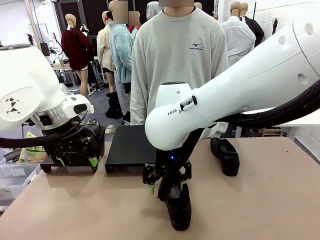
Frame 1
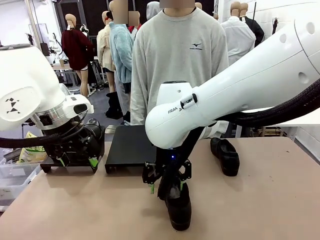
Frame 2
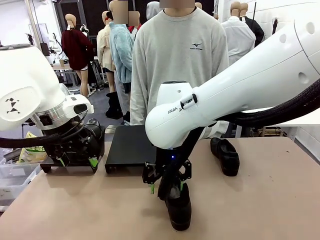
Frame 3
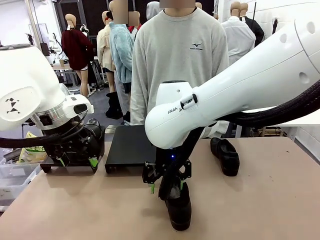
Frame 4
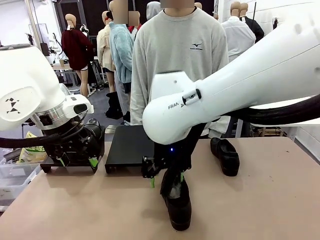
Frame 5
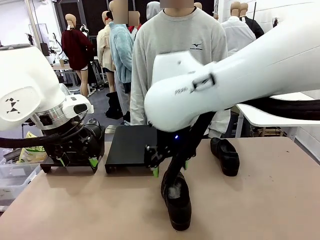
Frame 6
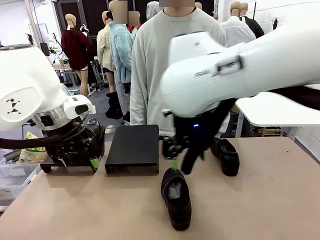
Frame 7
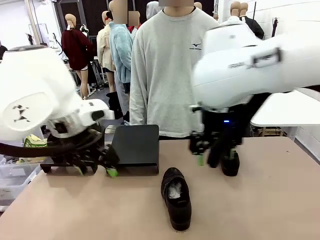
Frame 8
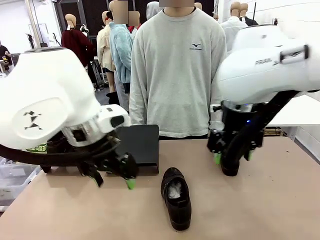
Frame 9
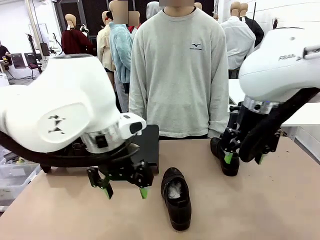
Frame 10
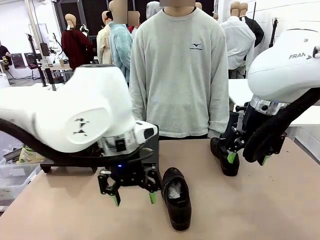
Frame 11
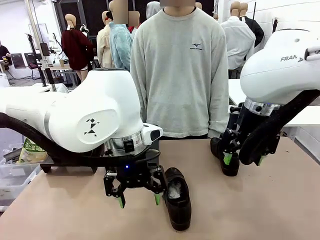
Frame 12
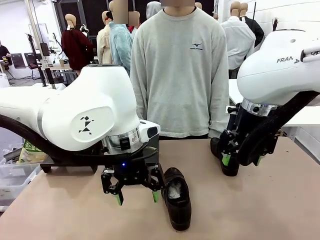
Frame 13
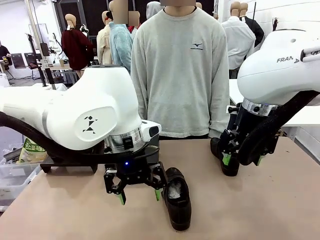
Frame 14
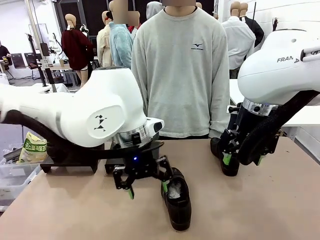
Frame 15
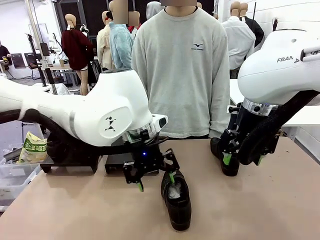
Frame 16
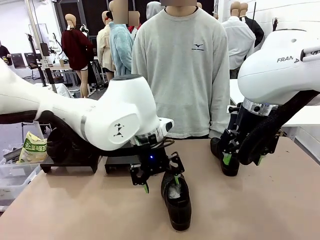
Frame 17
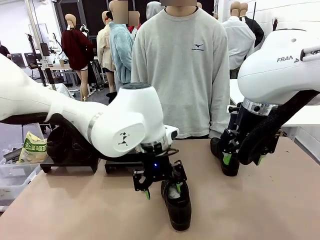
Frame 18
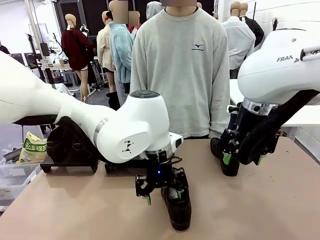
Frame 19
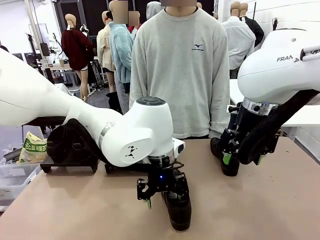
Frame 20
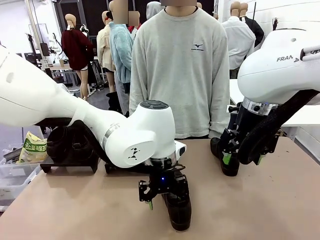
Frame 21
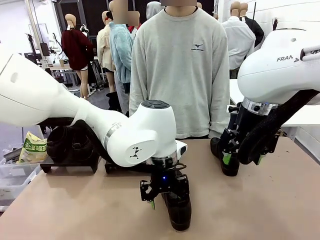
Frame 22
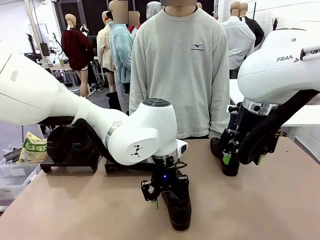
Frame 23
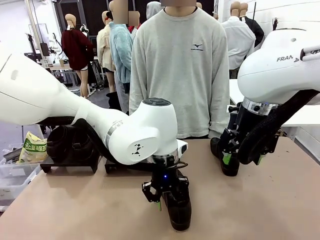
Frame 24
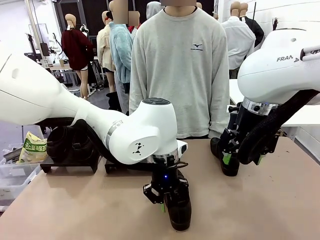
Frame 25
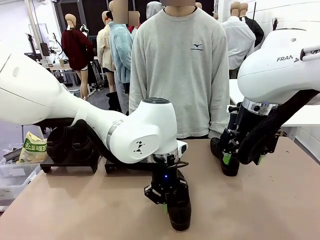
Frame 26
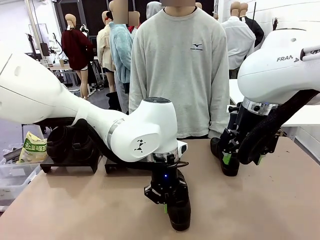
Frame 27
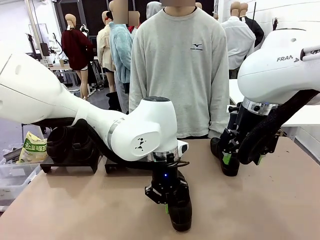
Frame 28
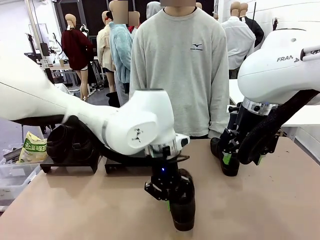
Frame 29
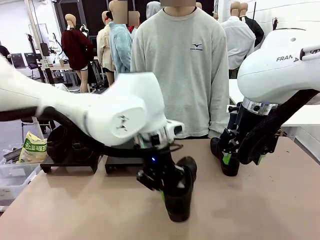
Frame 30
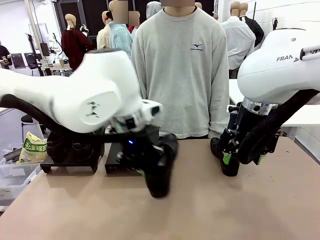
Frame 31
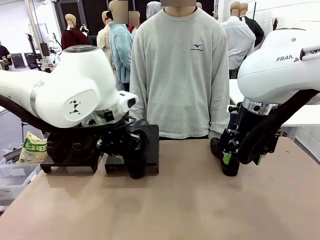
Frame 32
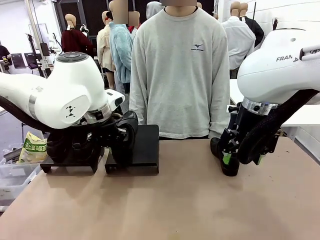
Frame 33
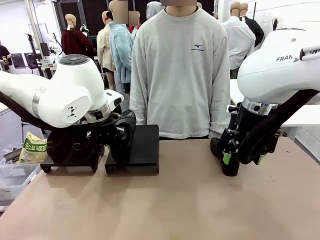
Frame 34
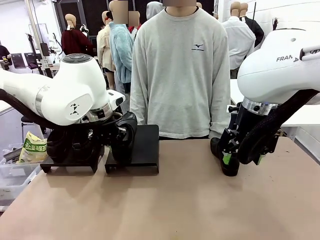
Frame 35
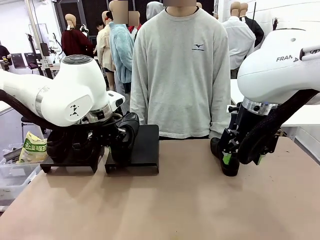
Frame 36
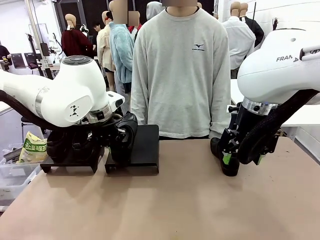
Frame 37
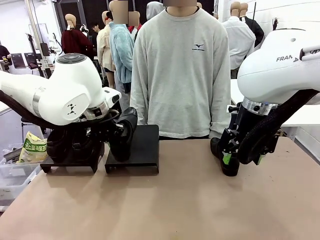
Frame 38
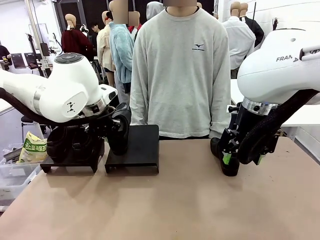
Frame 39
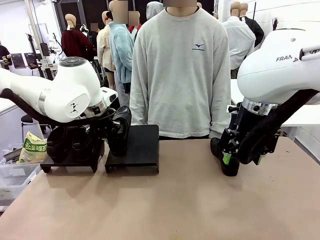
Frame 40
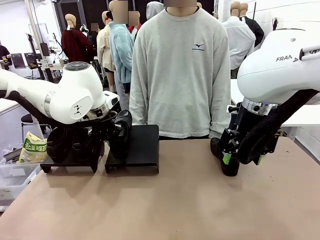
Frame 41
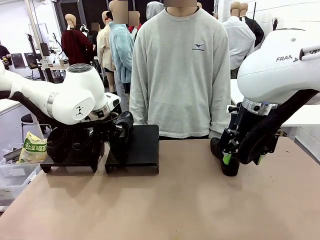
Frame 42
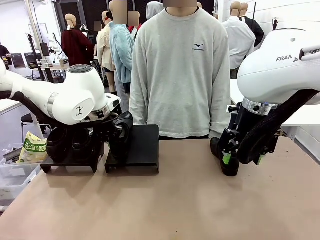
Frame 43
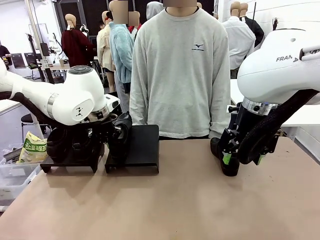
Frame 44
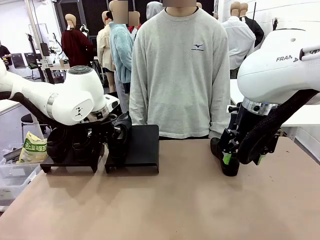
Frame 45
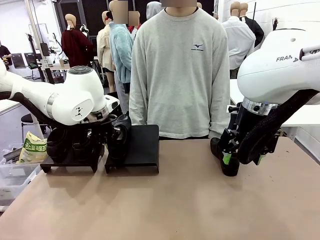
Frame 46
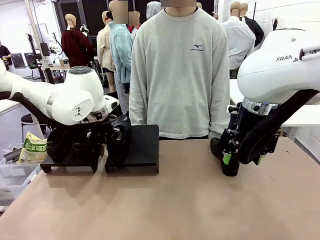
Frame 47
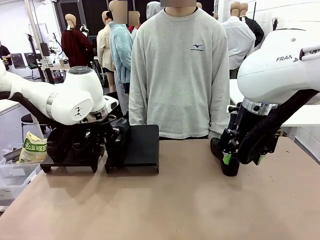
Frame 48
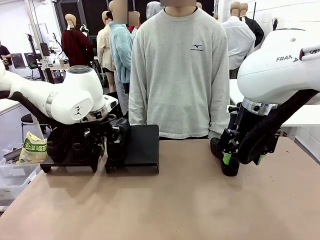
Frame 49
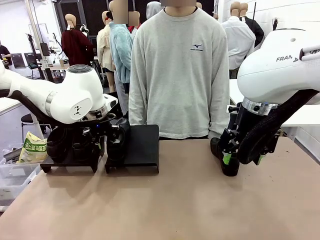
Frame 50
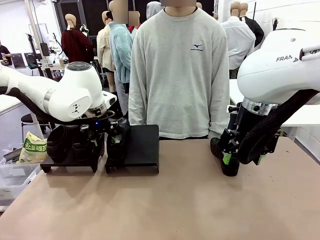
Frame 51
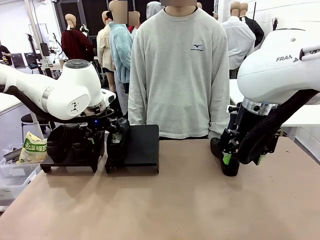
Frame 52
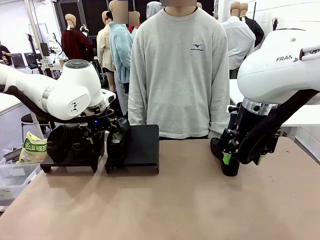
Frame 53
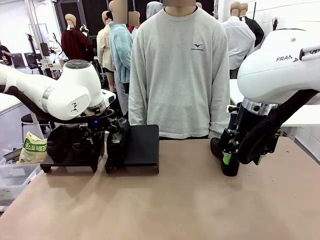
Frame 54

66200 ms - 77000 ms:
Task: Organize the shoes by placing them on the stand.
Robot: Place the Shoe from the middle of the table onto the Shoes Stand.

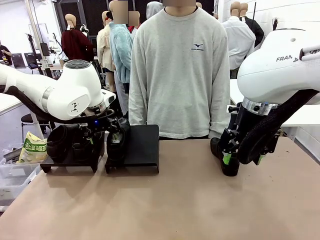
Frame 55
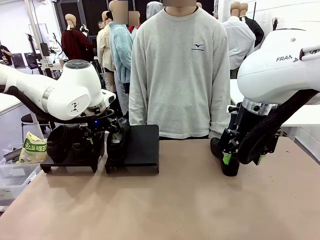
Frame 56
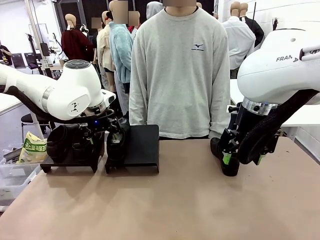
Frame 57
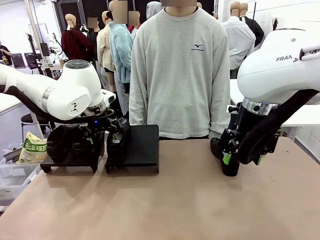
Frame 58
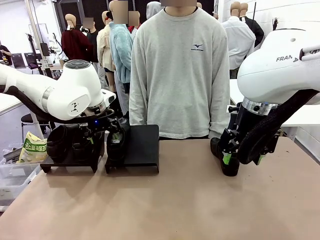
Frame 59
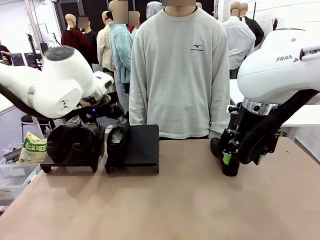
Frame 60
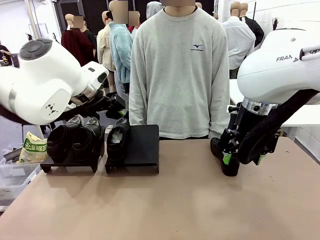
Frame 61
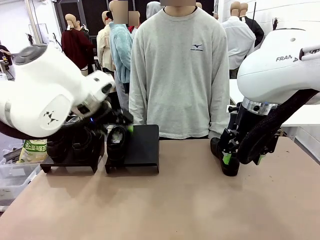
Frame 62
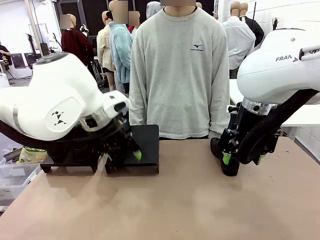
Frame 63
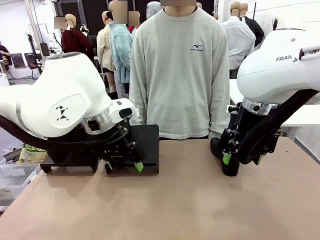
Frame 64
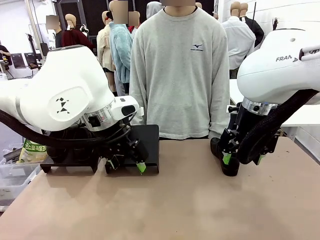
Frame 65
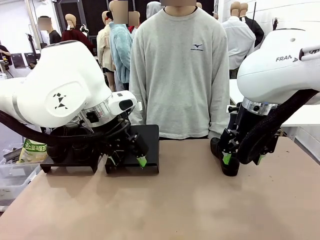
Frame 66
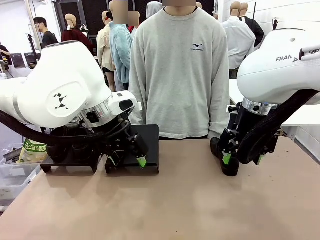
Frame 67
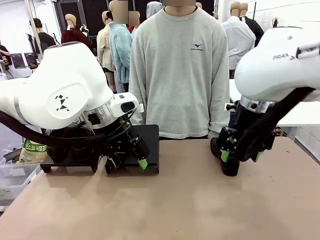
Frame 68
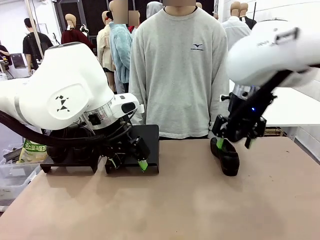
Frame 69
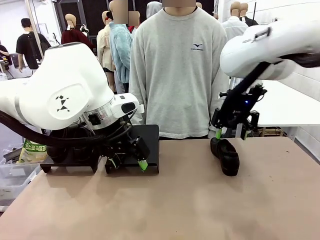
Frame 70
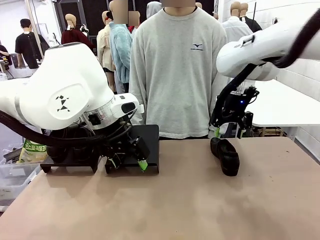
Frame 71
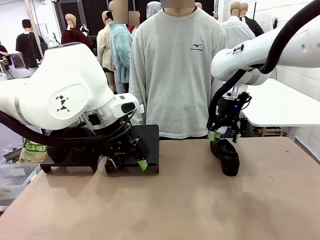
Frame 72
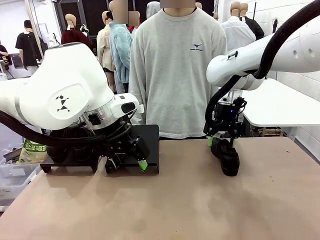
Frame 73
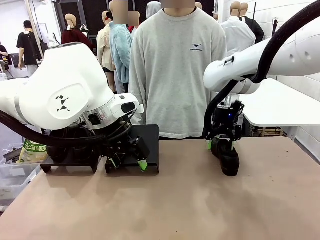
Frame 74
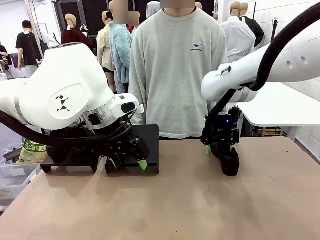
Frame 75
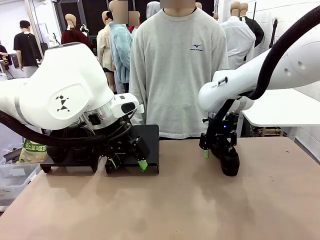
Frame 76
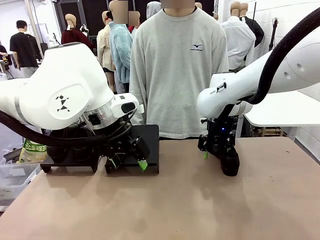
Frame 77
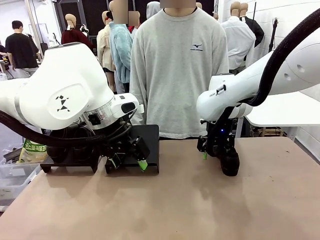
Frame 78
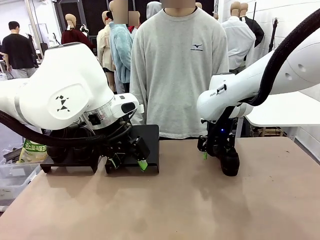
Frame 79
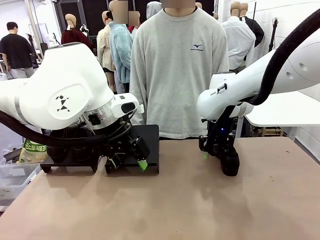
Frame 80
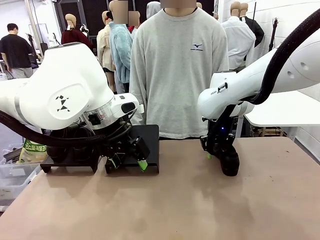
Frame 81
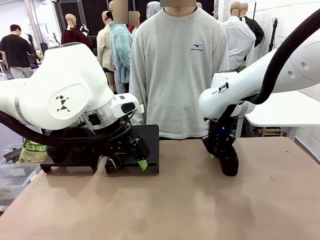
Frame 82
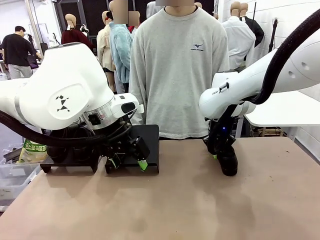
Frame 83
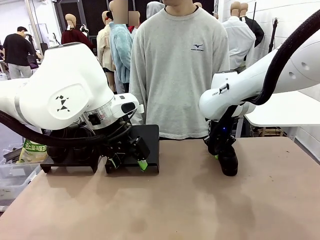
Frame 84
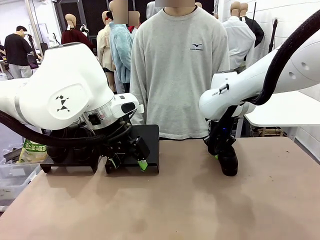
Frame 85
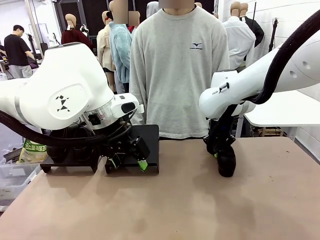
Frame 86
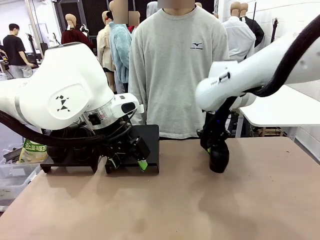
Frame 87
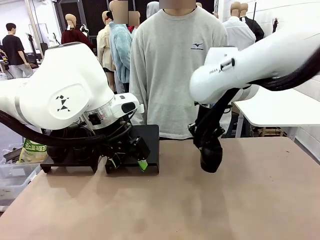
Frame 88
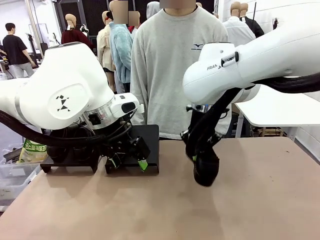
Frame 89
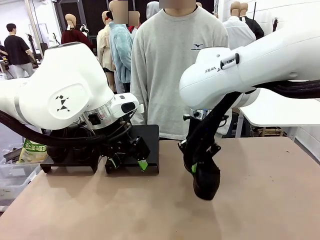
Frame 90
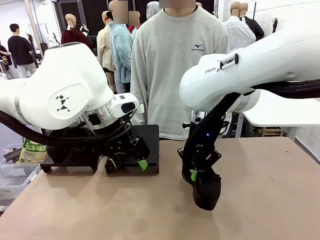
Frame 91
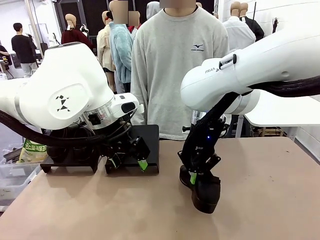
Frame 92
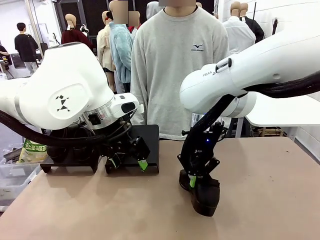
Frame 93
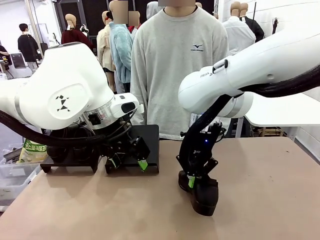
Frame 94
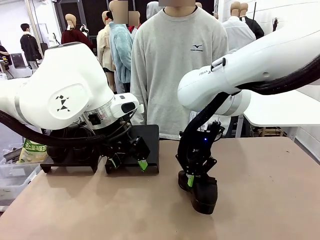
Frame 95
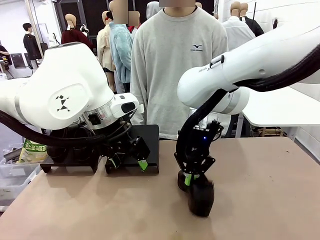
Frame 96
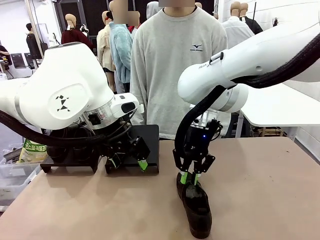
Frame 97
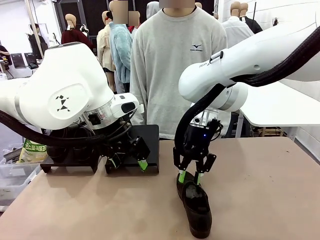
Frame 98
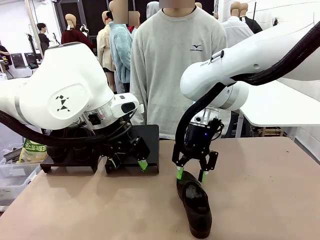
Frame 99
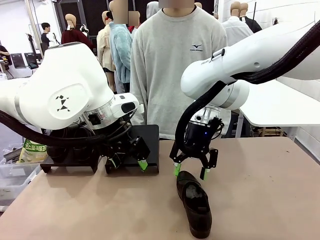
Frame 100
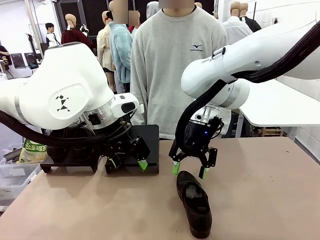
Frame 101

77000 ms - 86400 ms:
Robot: Pick up one Shoe and place it in the middle of the table.
